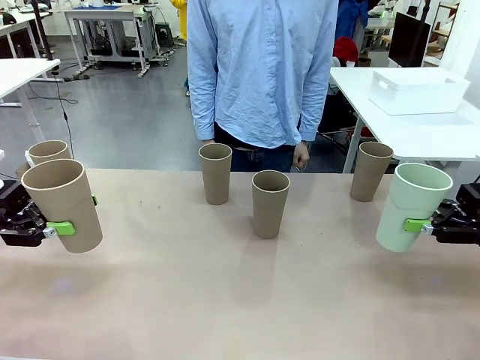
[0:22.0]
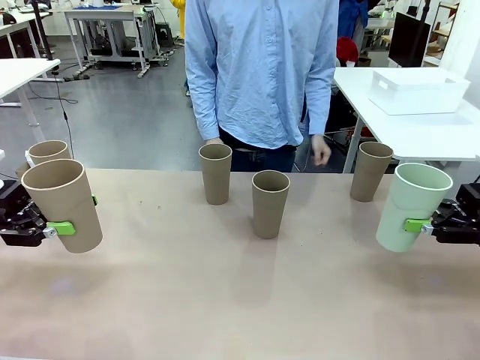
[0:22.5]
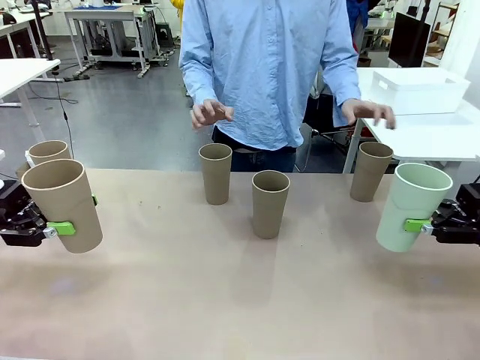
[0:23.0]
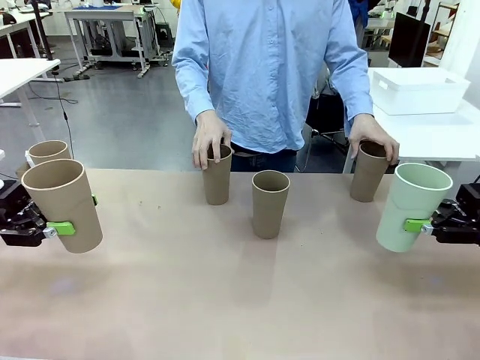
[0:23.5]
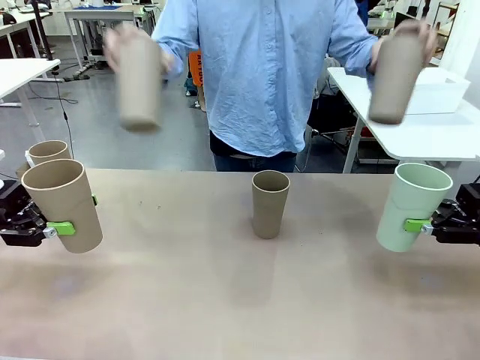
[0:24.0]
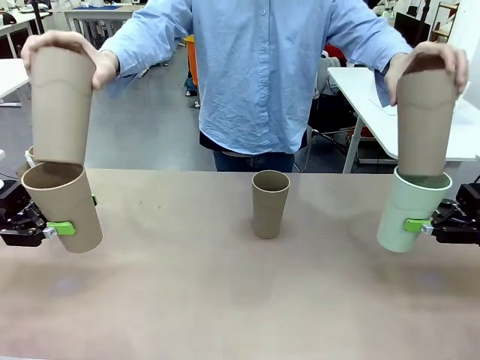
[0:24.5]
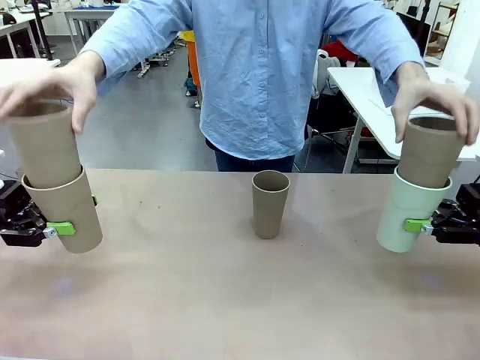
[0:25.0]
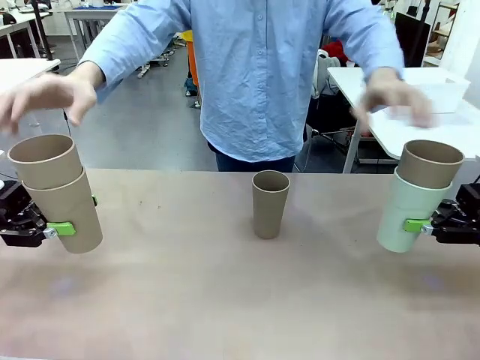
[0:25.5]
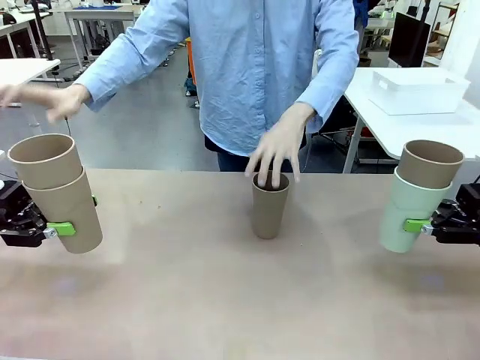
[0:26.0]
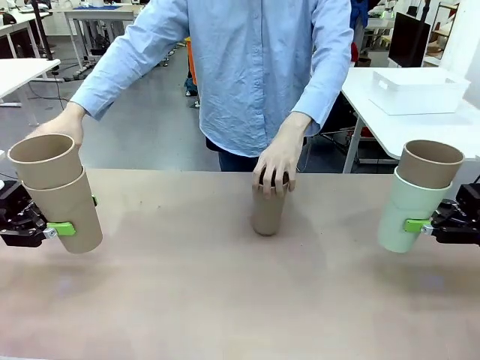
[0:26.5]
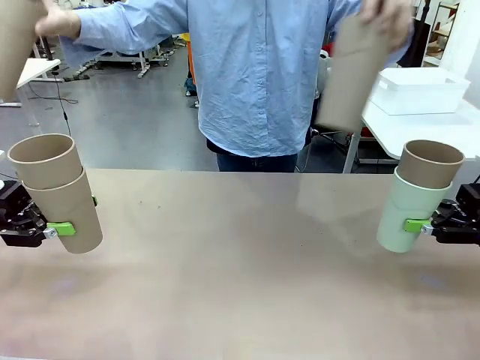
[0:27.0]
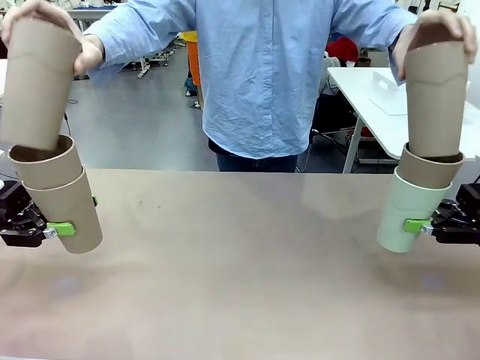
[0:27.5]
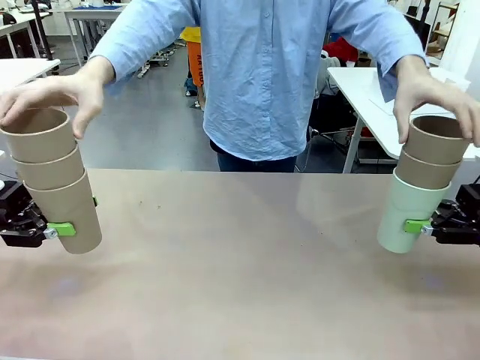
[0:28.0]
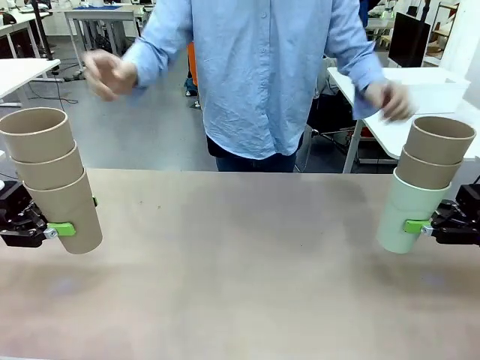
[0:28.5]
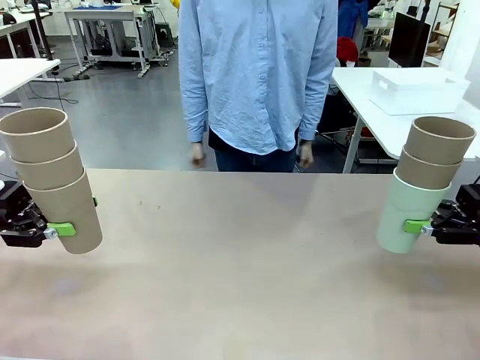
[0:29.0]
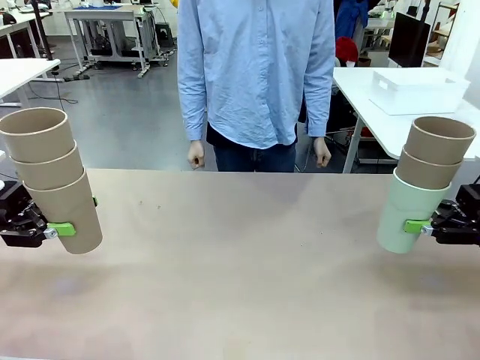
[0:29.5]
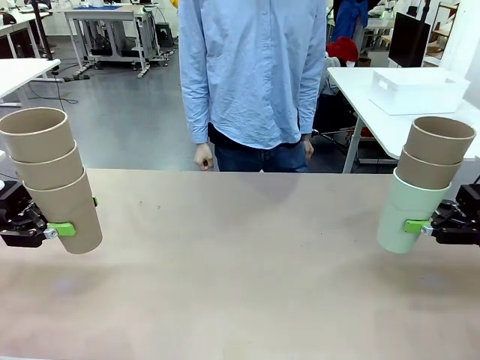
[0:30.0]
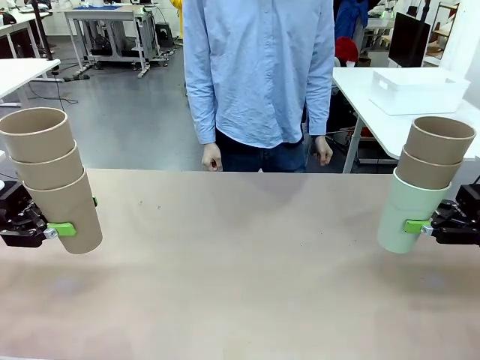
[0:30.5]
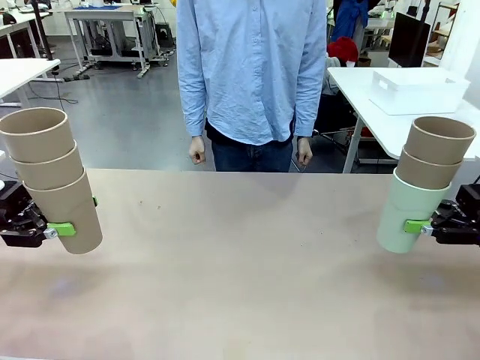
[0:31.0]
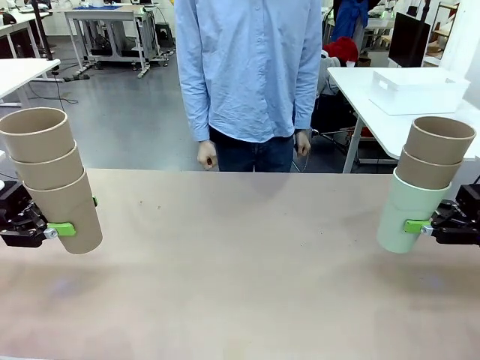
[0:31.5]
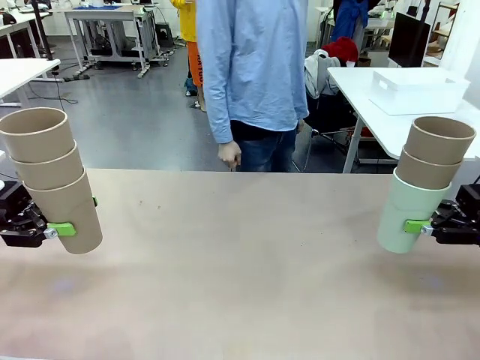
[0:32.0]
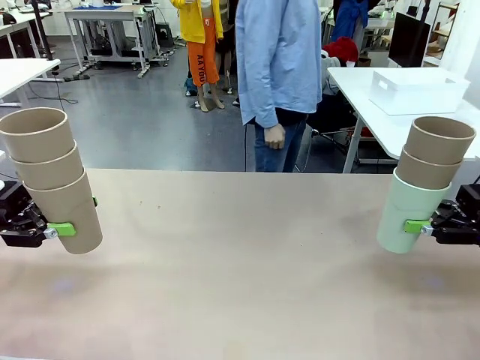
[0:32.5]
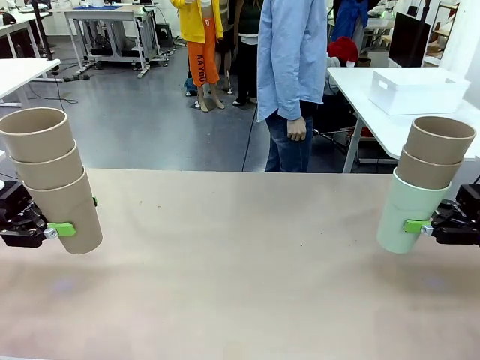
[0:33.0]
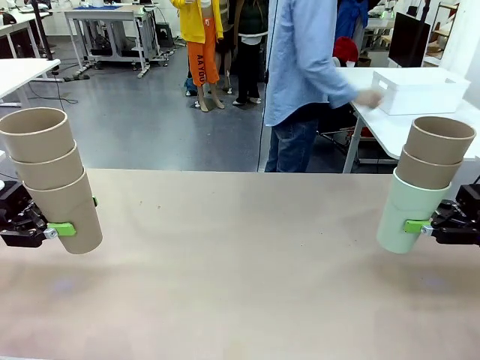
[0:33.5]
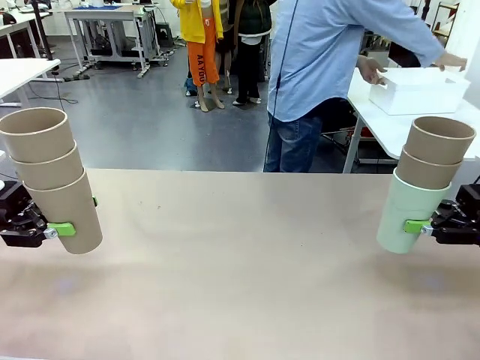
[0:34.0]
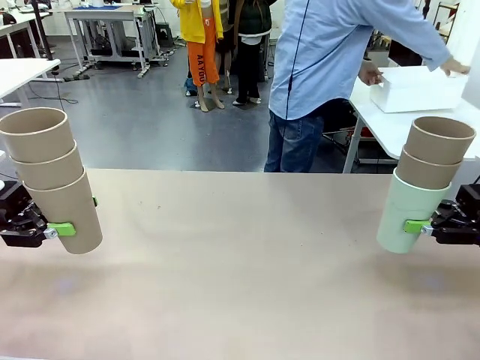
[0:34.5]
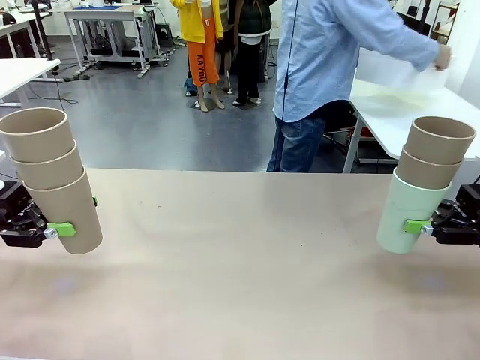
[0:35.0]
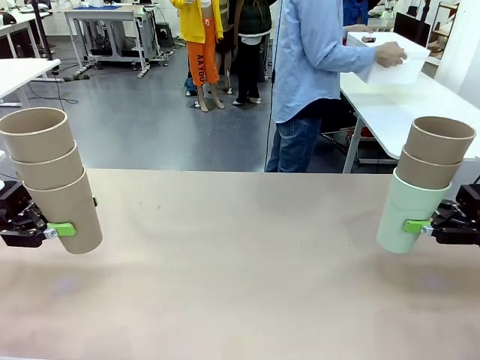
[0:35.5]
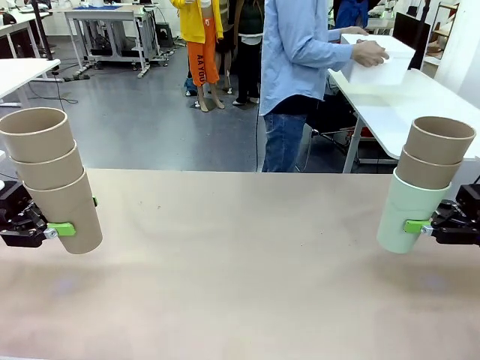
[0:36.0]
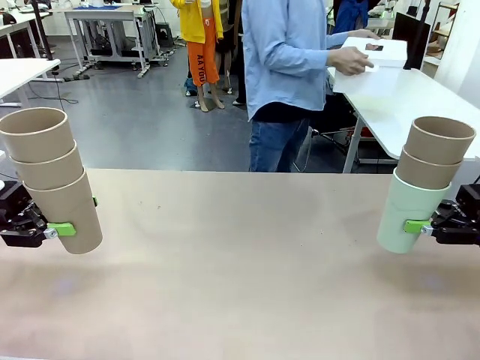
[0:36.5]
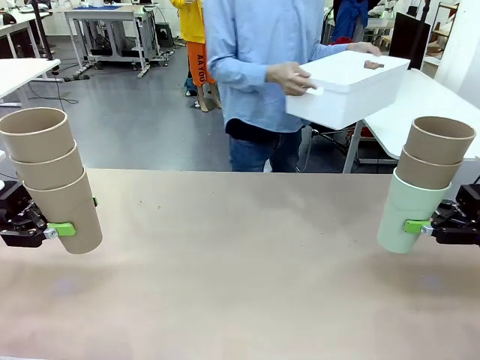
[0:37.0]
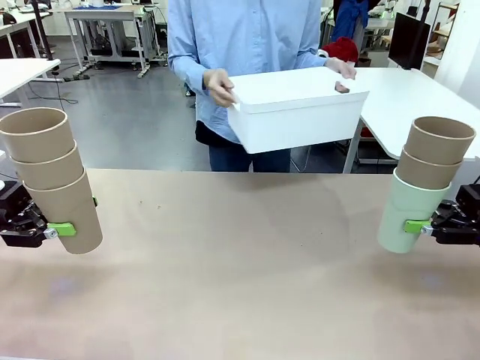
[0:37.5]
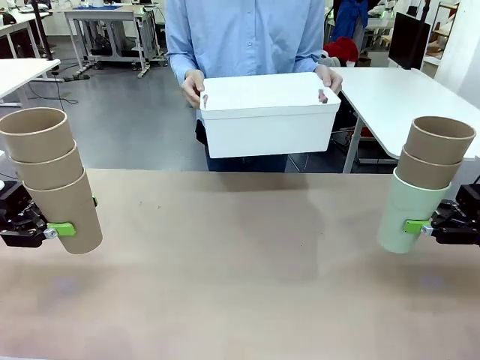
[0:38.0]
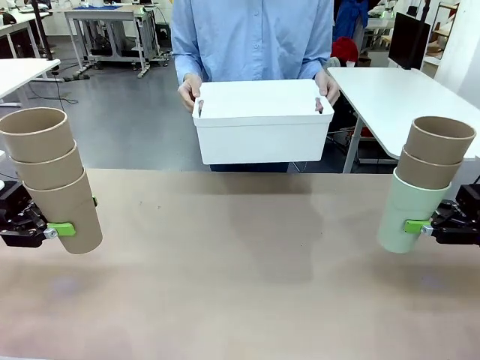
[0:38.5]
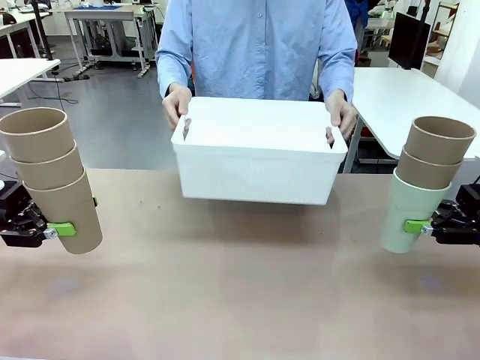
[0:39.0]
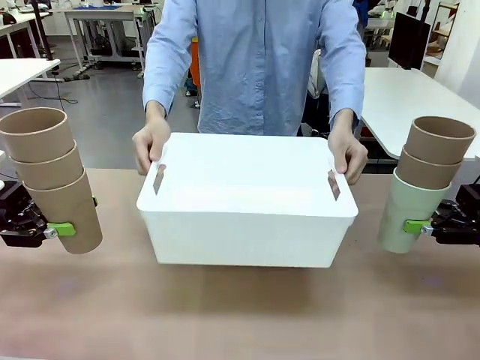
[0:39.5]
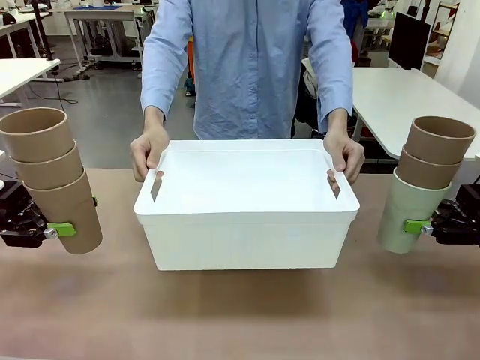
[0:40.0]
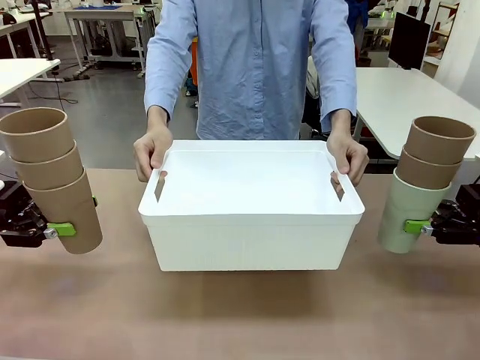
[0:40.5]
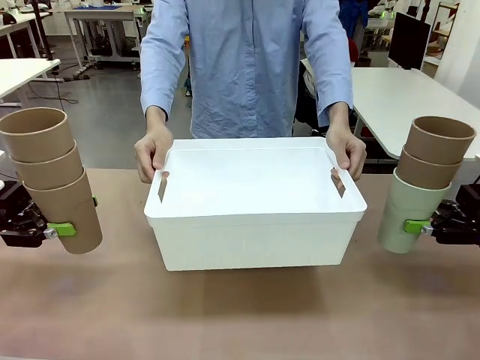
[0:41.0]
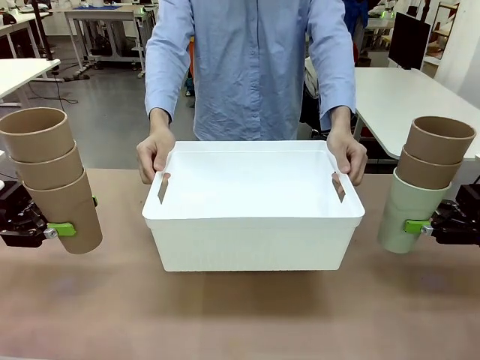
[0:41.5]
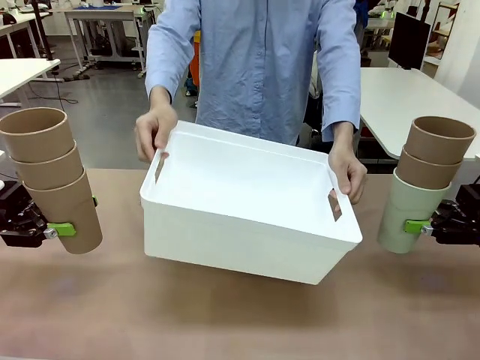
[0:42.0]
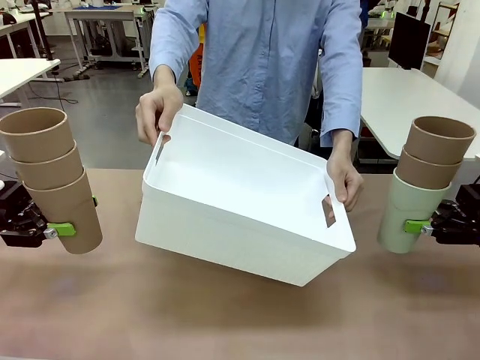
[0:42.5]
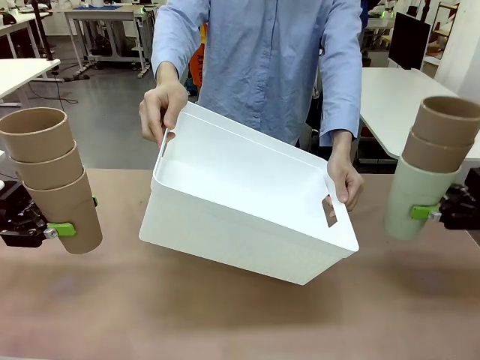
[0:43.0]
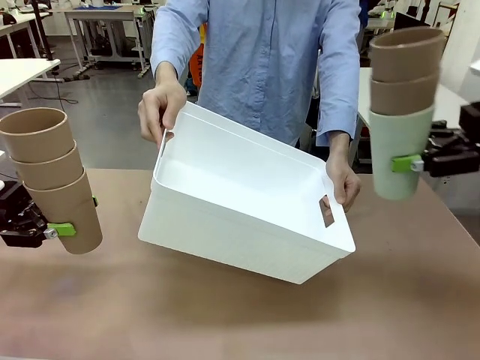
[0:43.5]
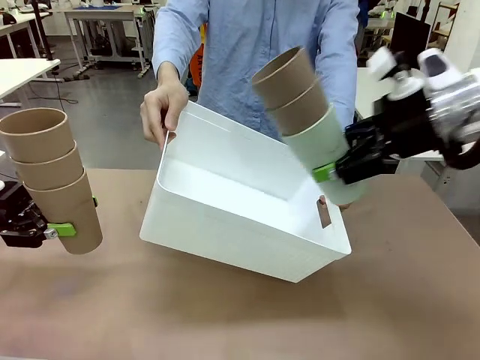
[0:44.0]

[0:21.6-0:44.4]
Task: Stack the cups and store them in the basket.
Robot: Place the stack of Reusable plastic cups into the Pantry Basket.
Person: Pick up the basket from the Human Table, bring it to the front of the robot, and present it.
